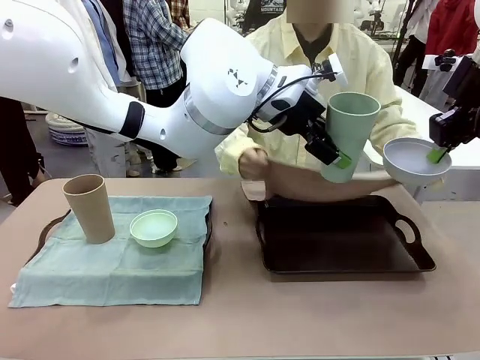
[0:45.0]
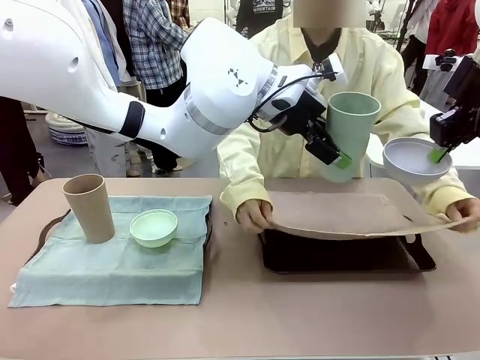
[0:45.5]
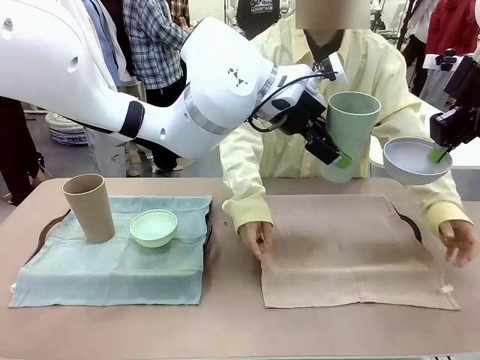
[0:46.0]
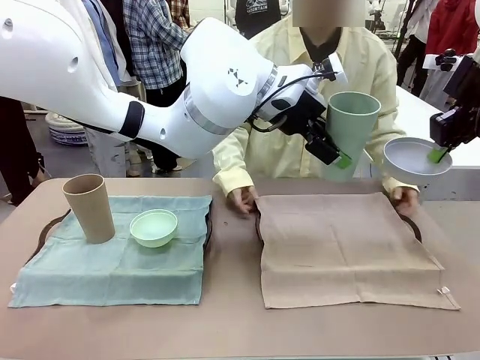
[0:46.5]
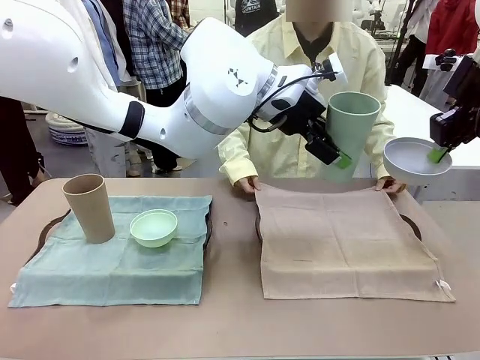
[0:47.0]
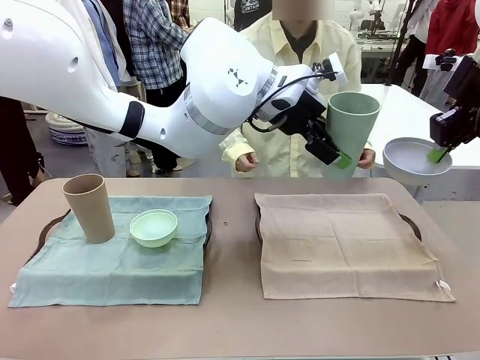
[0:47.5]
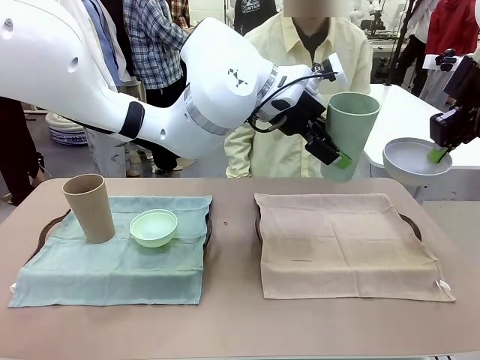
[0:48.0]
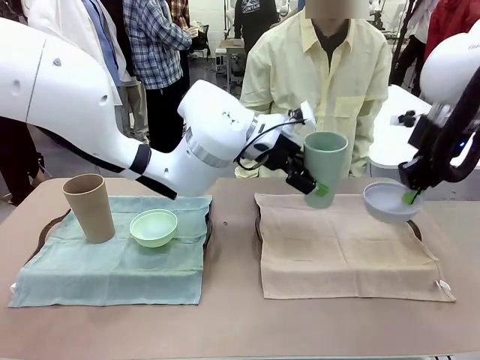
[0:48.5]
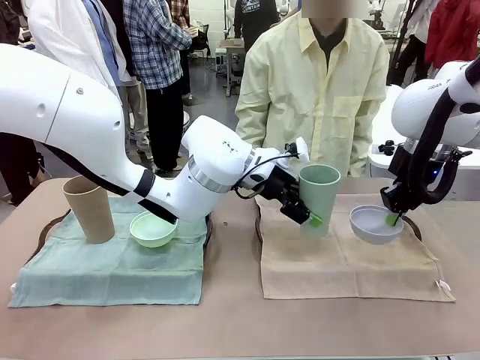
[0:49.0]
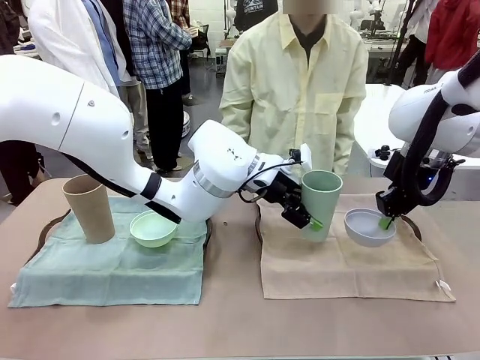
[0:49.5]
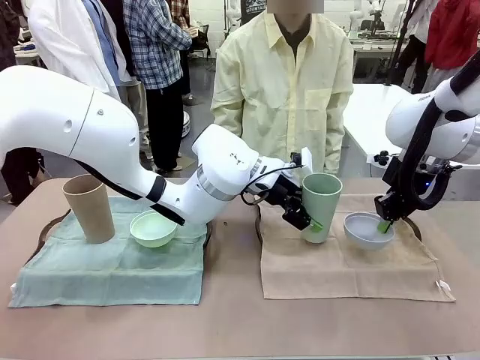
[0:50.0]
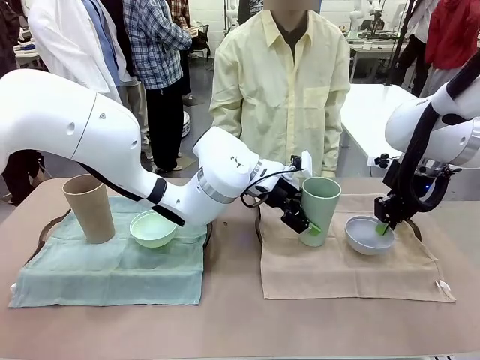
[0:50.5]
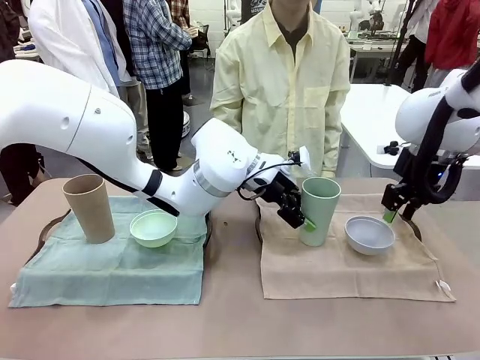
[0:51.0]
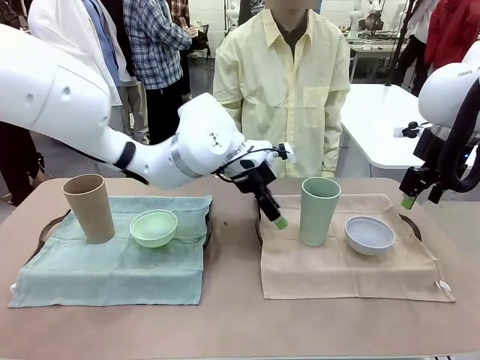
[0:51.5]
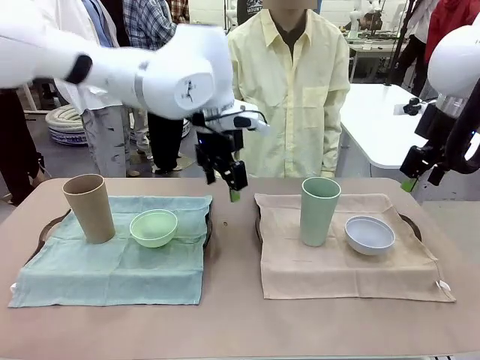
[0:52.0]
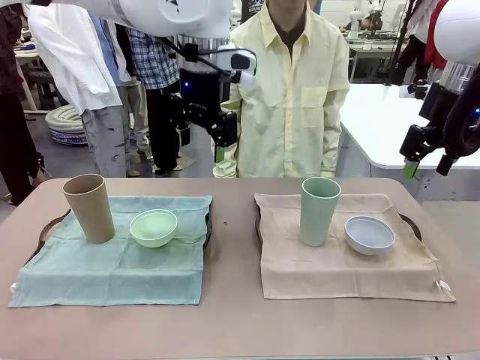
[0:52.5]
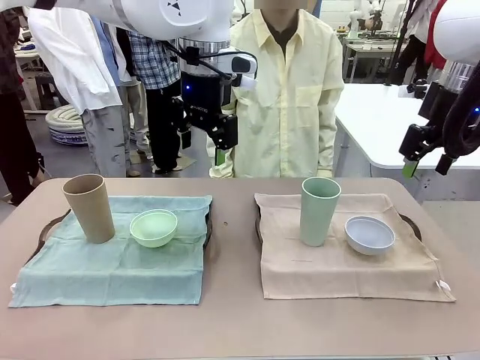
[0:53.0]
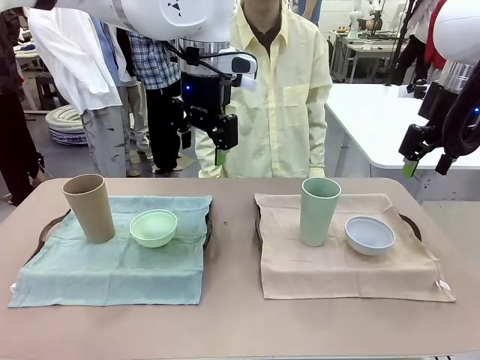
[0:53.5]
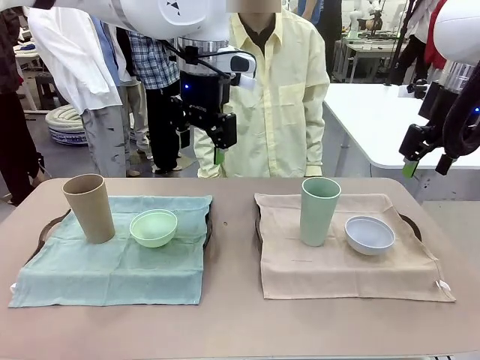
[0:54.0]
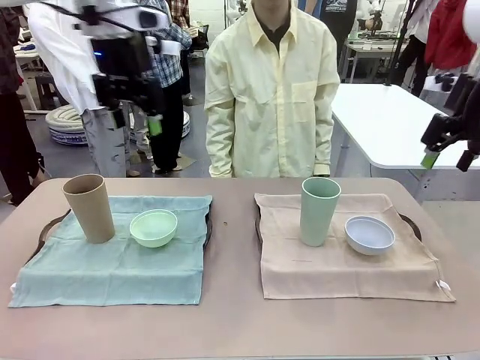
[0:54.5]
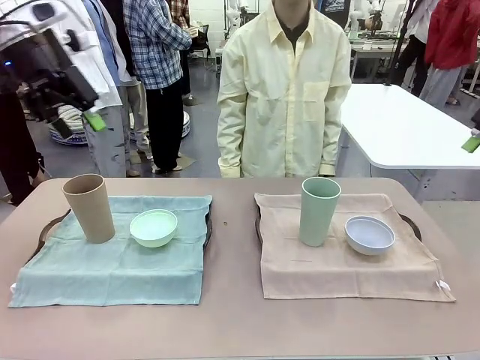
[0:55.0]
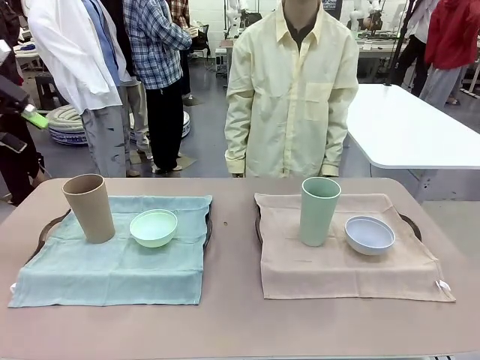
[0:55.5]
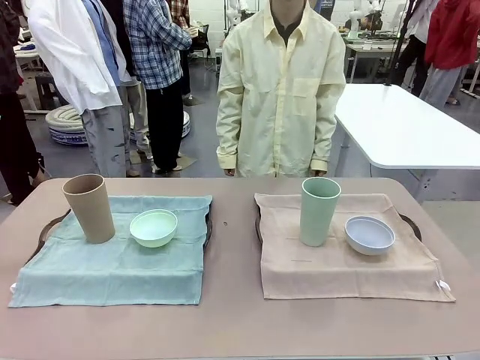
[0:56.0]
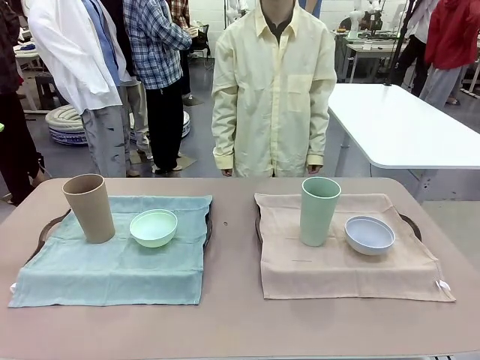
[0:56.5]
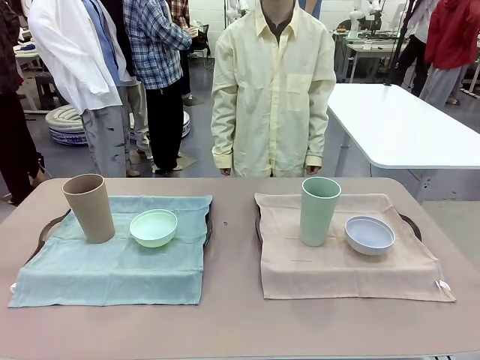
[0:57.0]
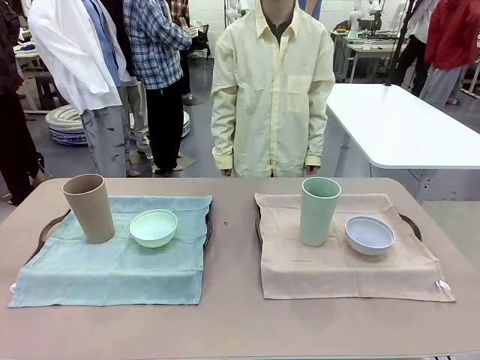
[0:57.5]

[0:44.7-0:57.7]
Robot: Place the Picnic Bowl and Reusable plastic cup back onto the Handle tray in front of the human's position.

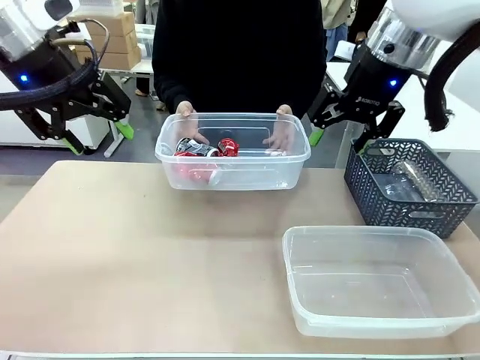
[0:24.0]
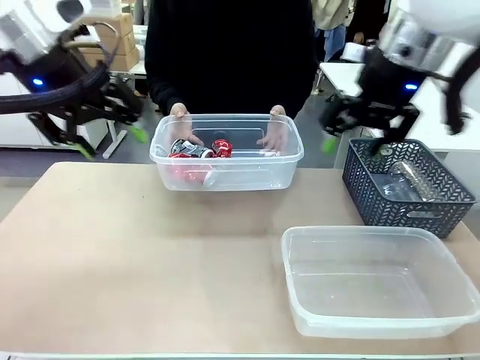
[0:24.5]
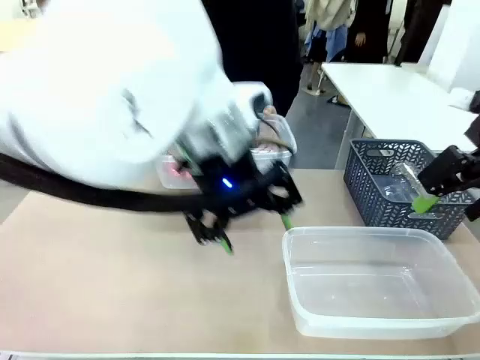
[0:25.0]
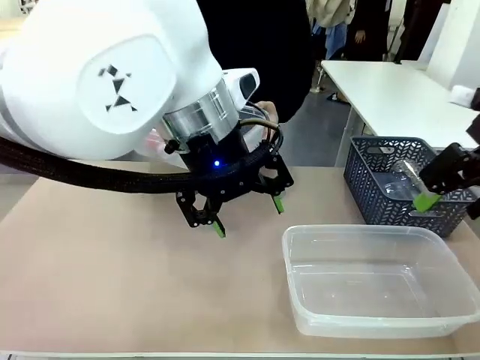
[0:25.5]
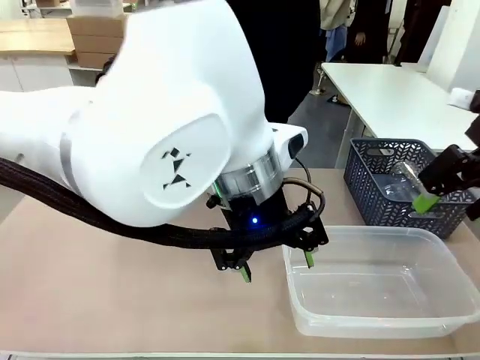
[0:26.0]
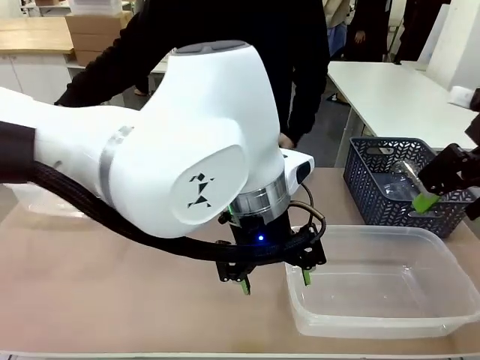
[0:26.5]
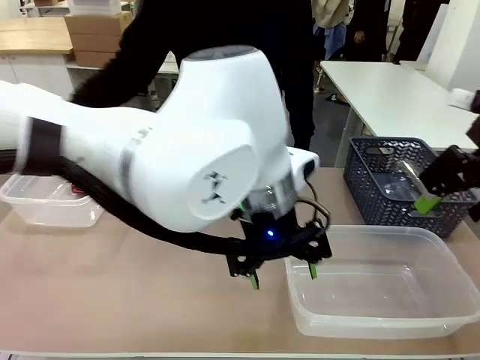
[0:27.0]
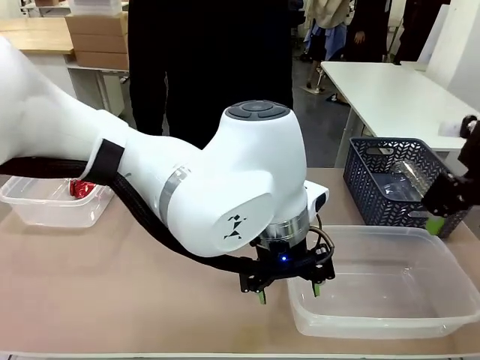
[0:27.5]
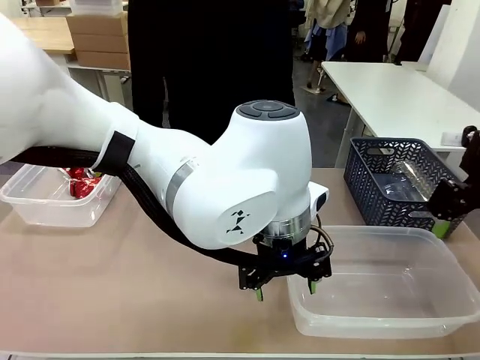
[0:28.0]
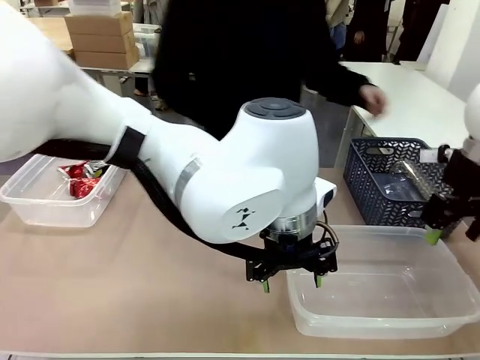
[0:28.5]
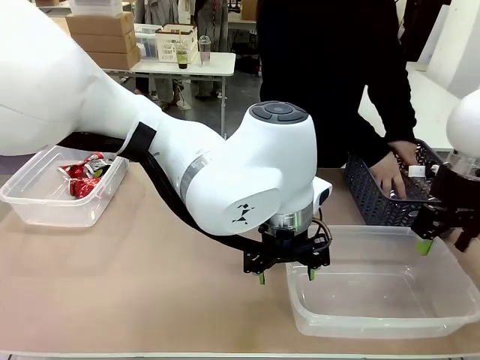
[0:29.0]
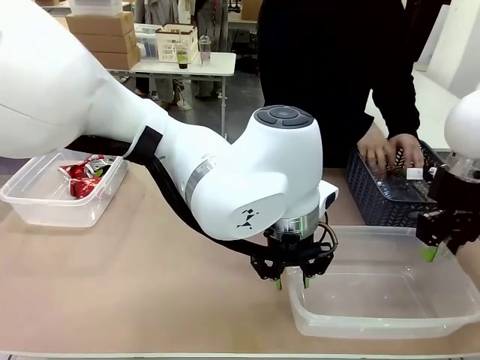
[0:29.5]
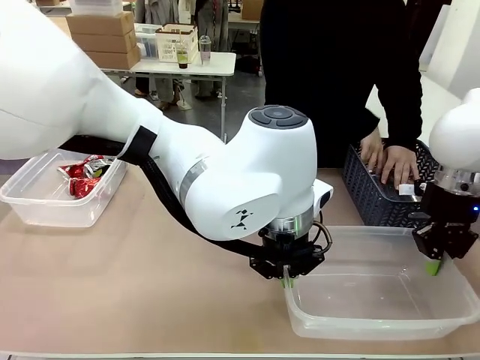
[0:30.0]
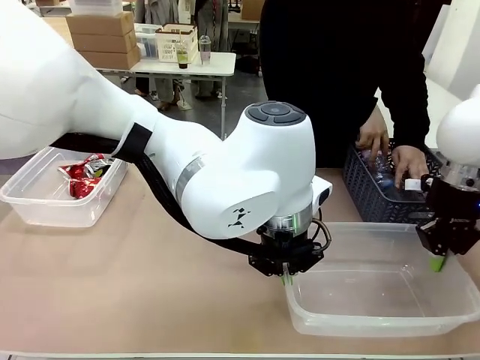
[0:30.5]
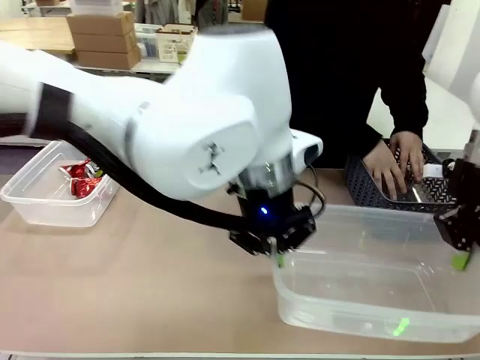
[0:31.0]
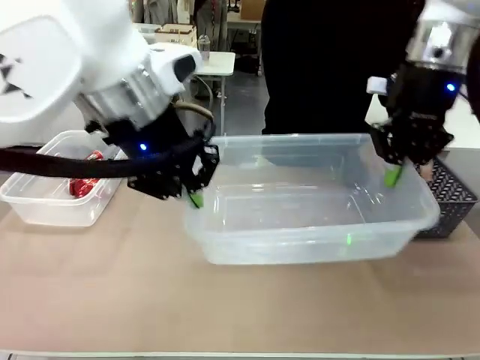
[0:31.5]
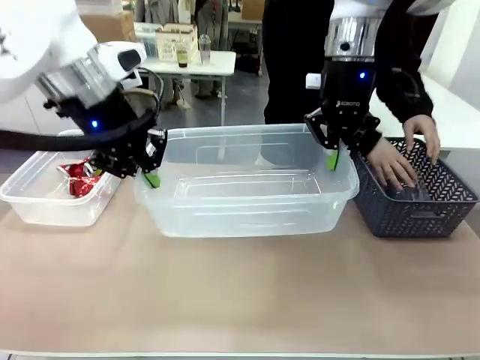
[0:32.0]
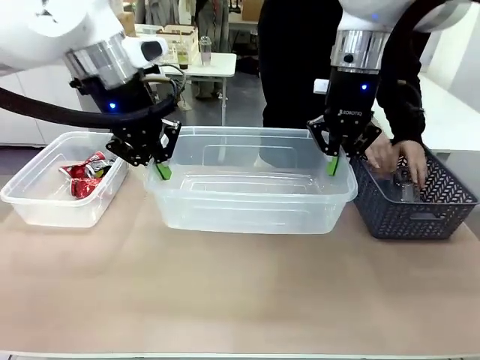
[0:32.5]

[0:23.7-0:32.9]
Robot: Pick up the Organizing box on the right side of the table and lift it.
Person: Place it at the edge of the bottom right area of the robot table. Pick up plastic waste one by one and place it into the organizing box lifted by the robot.

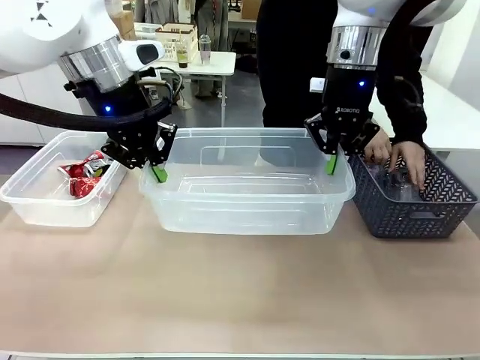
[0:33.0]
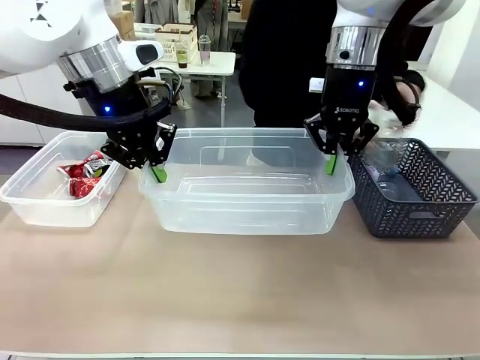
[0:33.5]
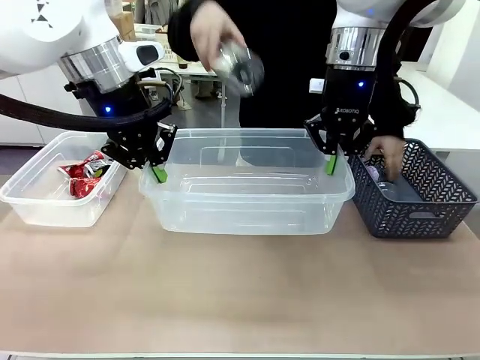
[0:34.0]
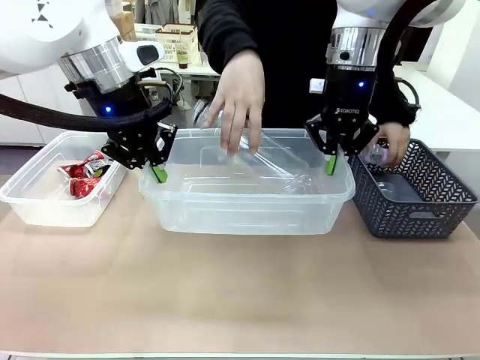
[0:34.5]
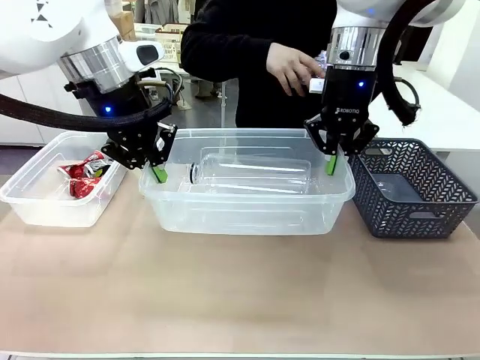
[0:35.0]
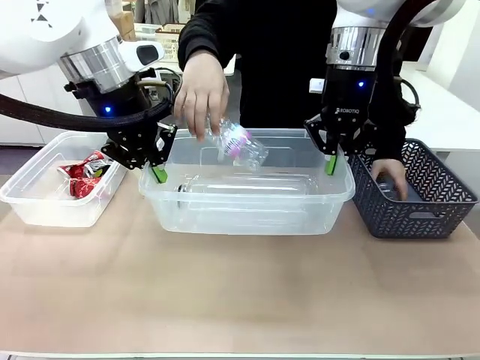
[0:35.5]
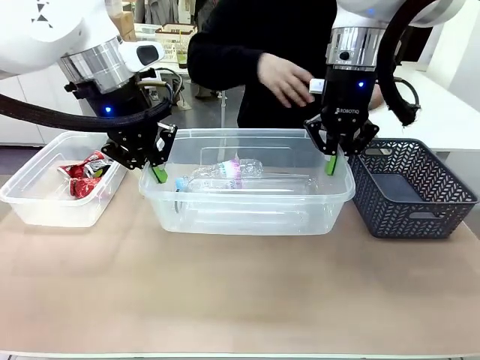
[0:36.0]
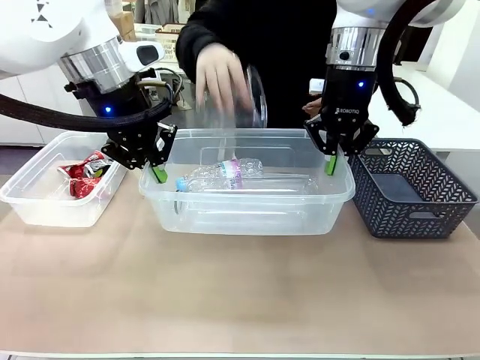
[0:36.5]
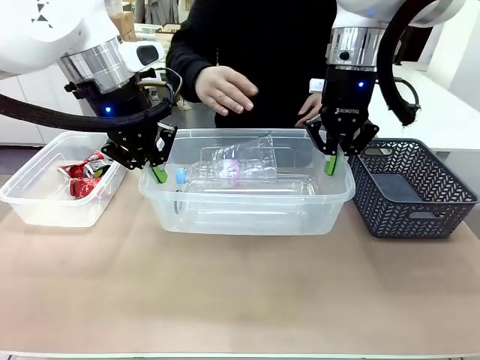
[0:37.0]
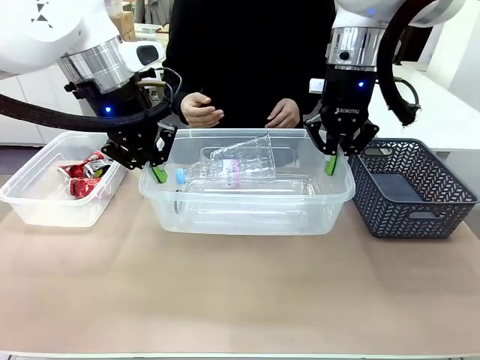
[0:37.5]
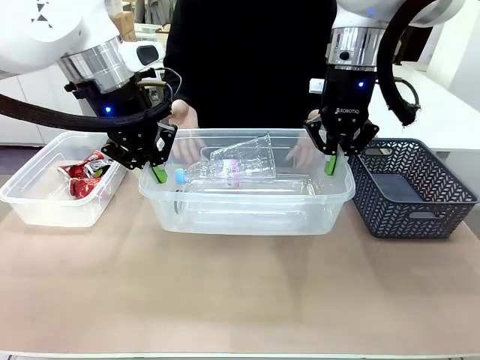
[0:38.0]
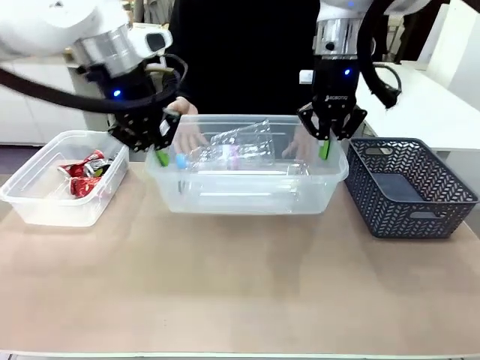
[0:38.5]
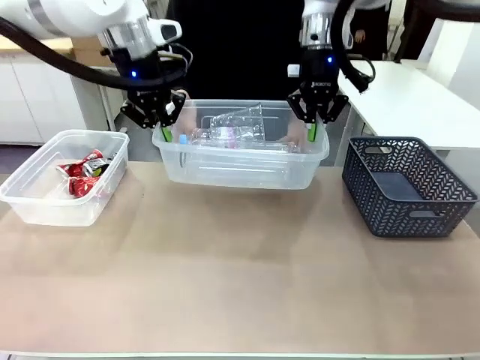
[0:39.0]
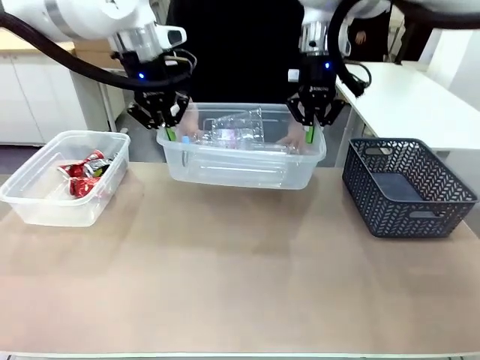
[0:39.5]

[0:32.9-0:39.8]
Robot: Offer the picked Organizing box to the human.
